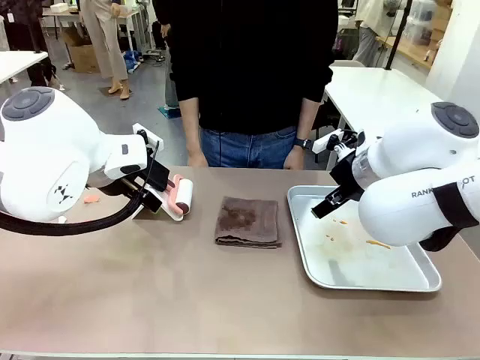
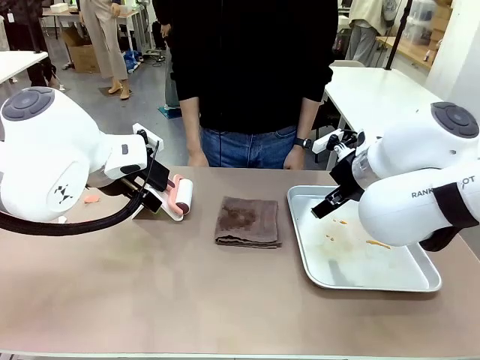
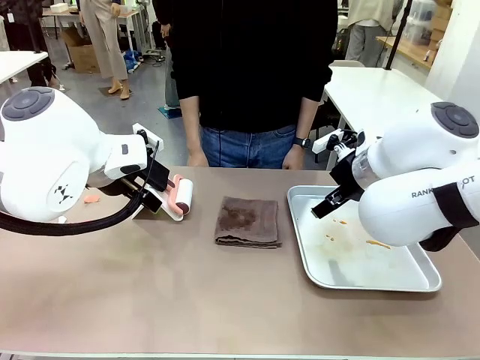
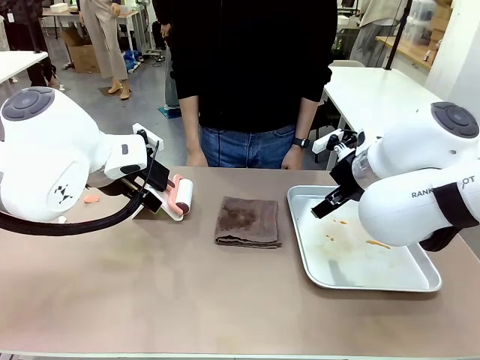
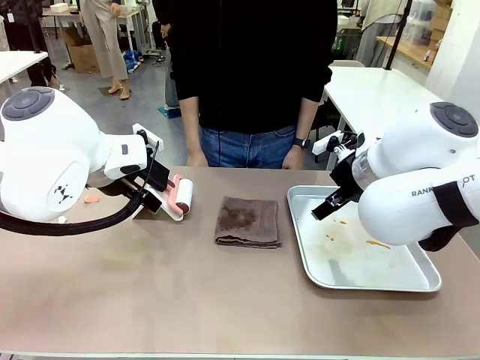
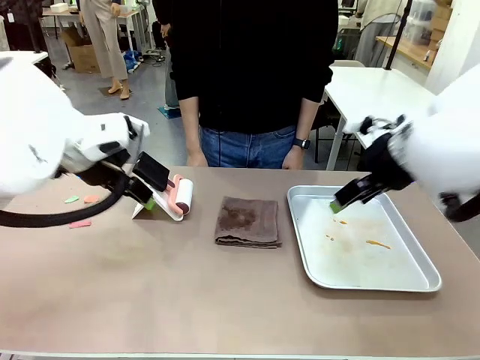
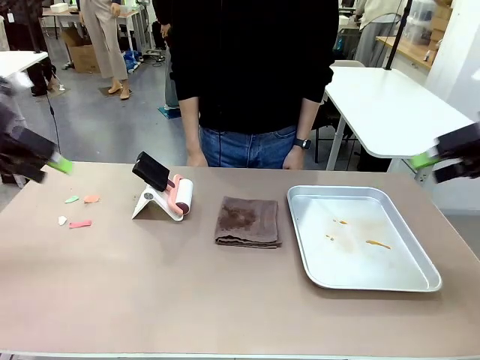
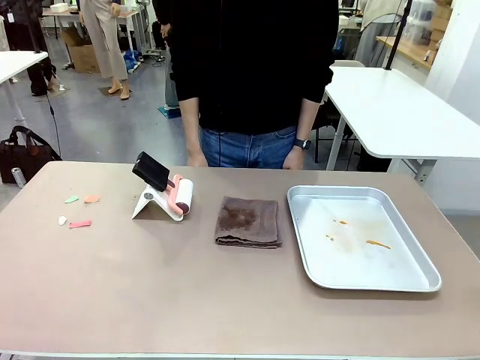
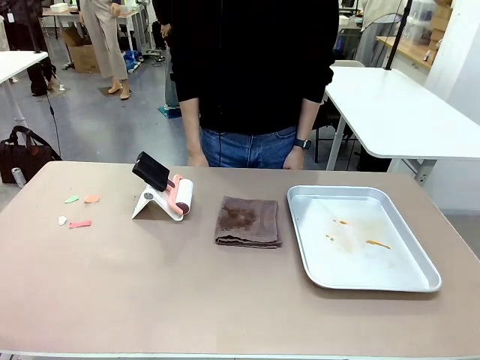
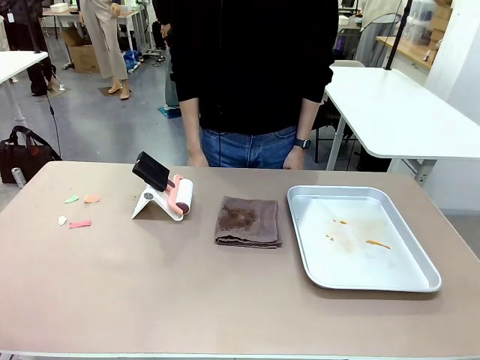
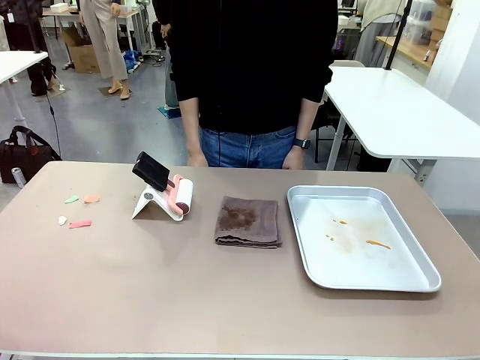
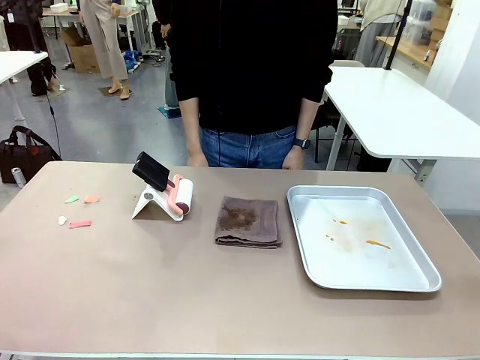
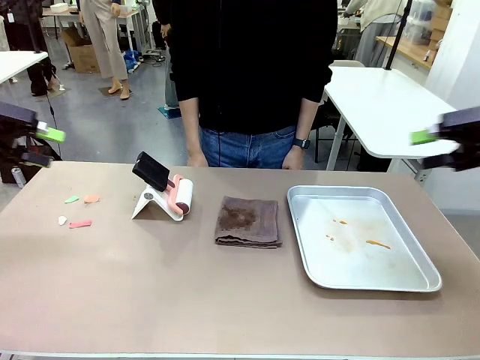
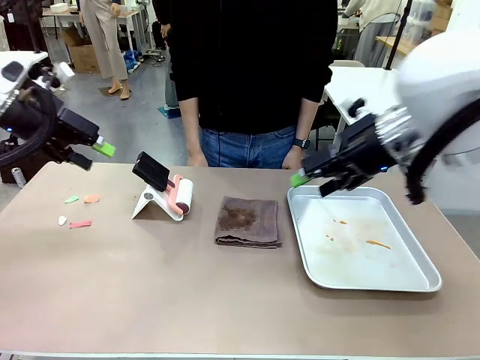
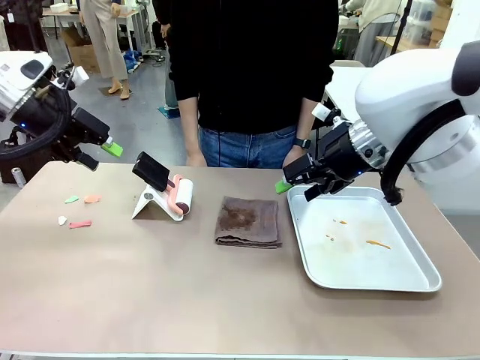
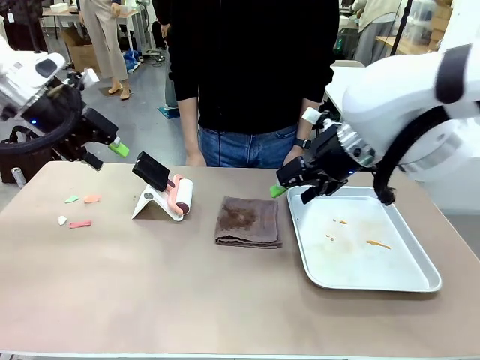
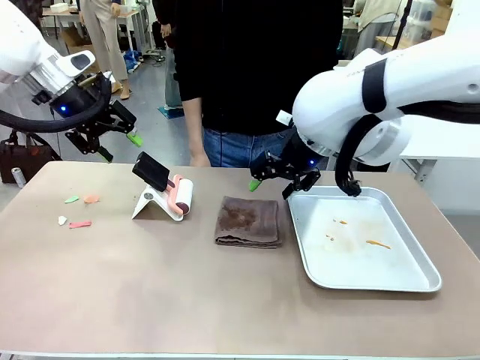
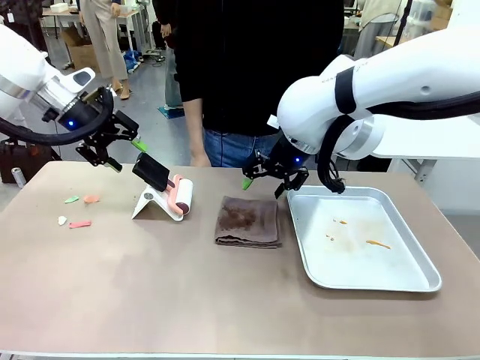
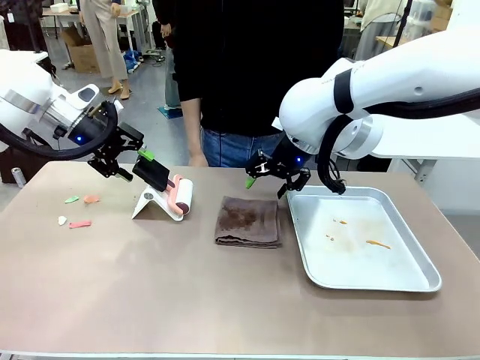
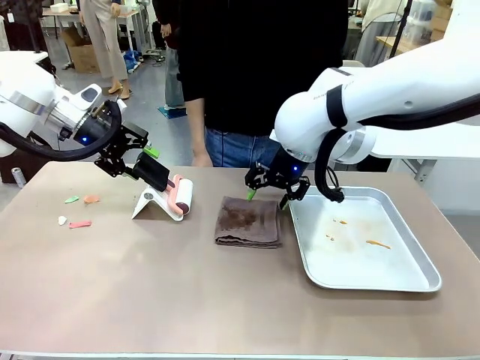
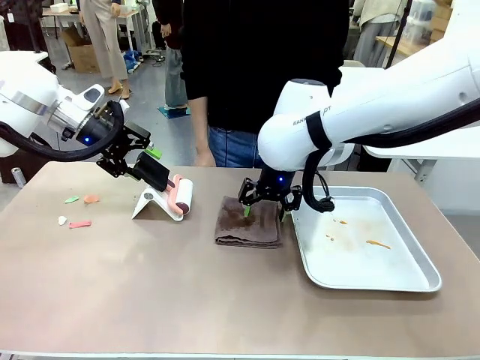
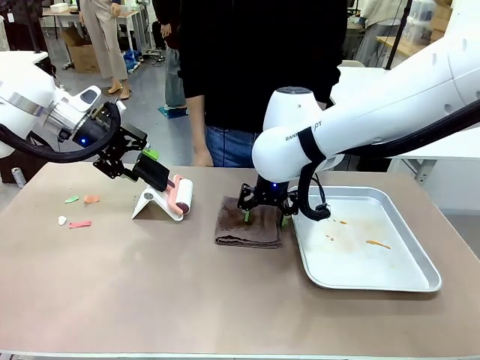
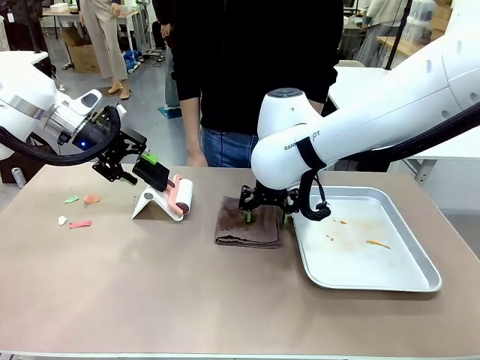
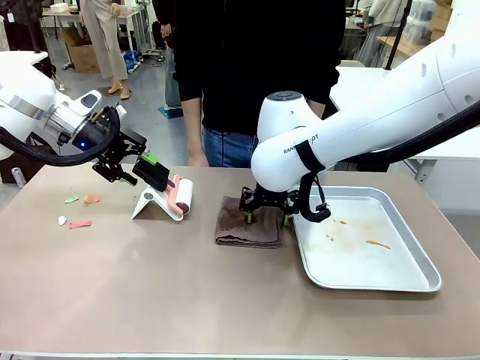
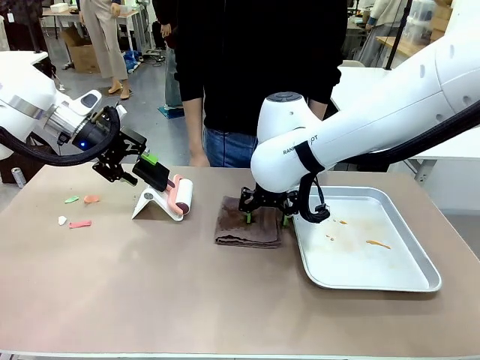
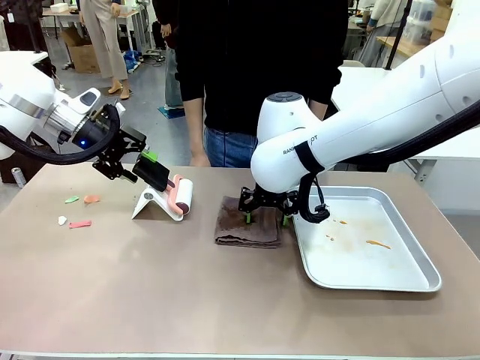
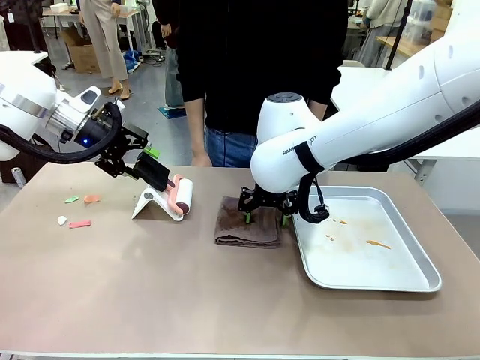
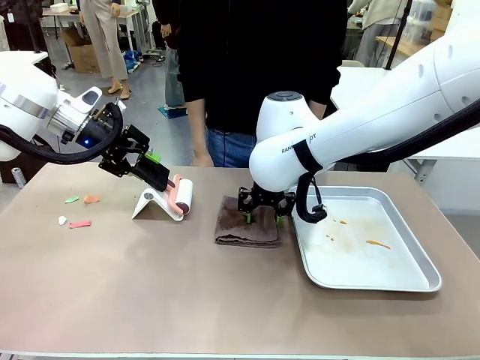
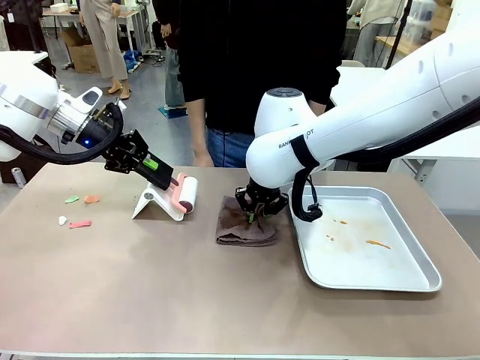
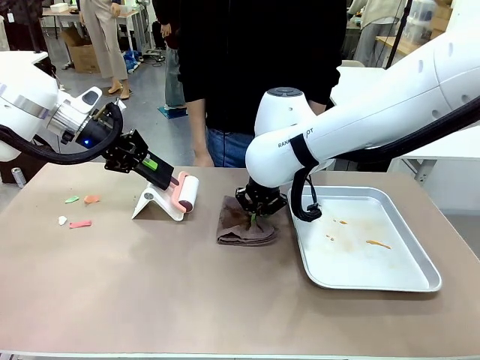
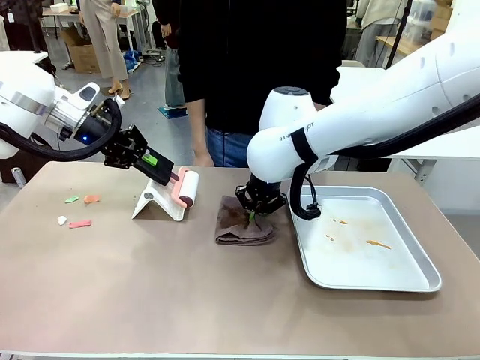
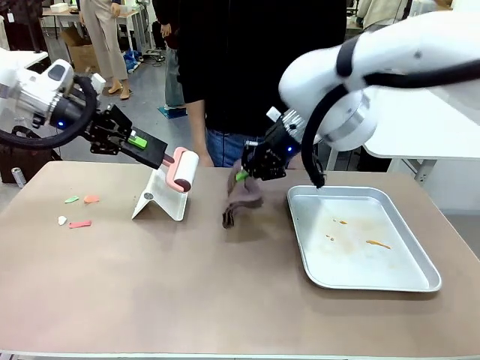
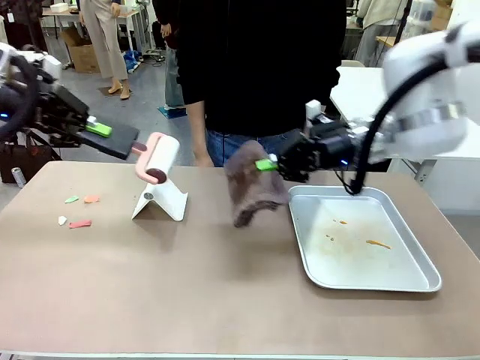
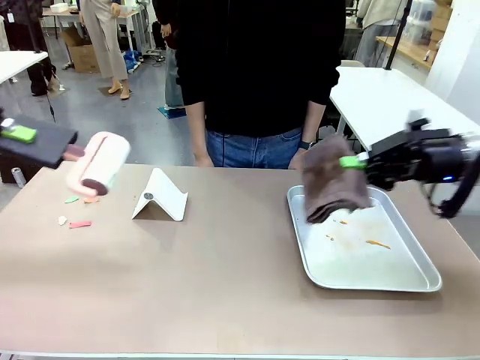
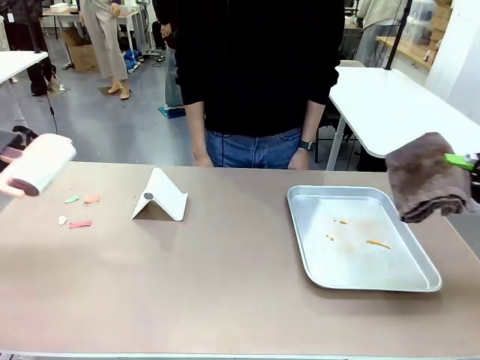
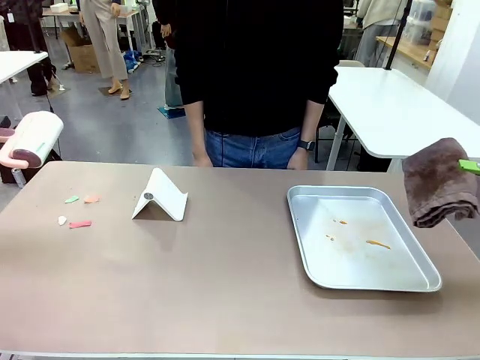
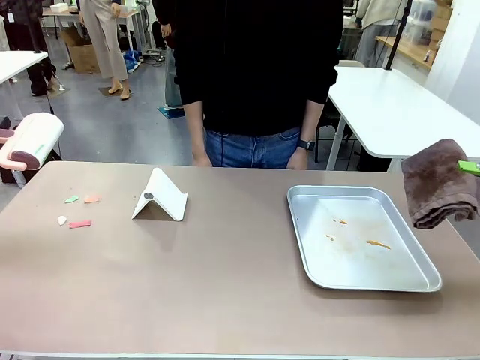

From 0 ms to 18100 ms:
Task: Clean the surface of the table.
Robot: Hold the Lint Roller with your left hand and the towel with your right hand.

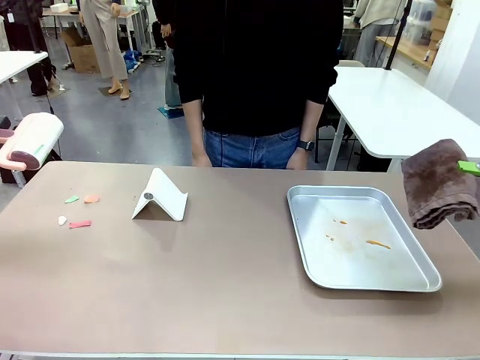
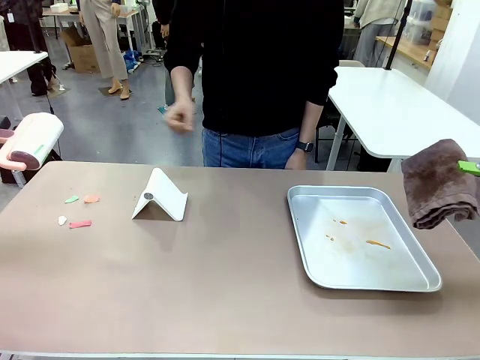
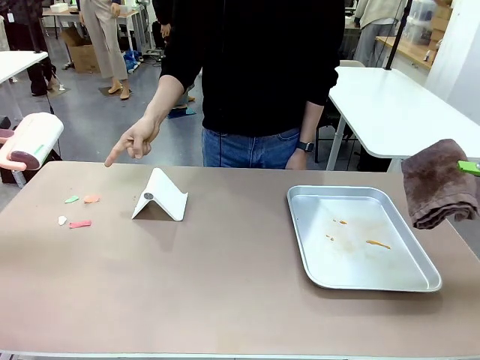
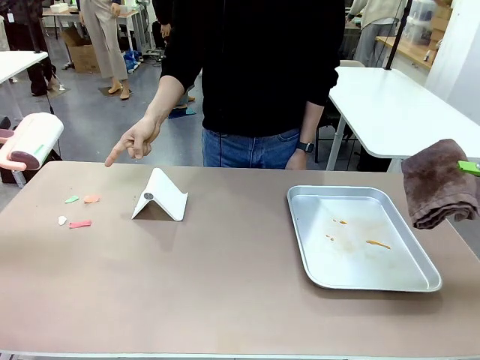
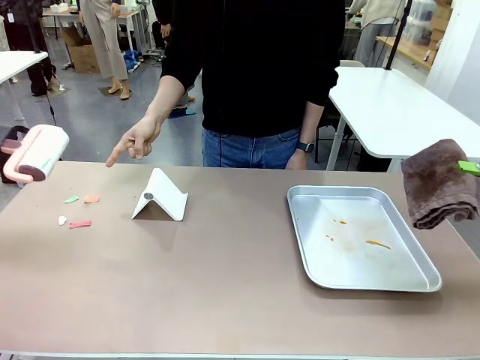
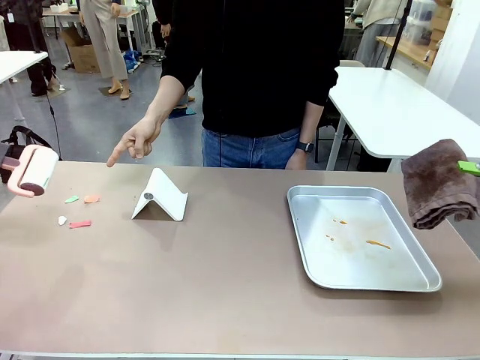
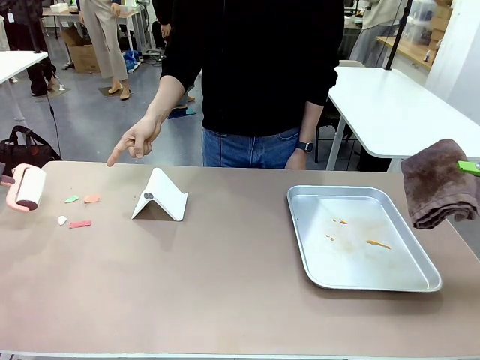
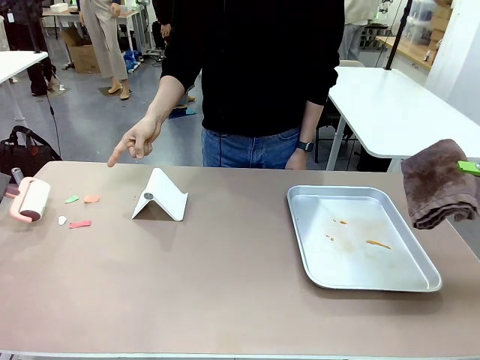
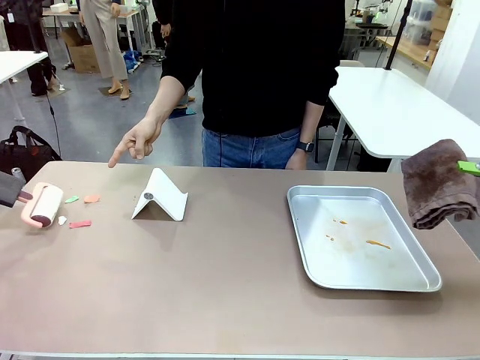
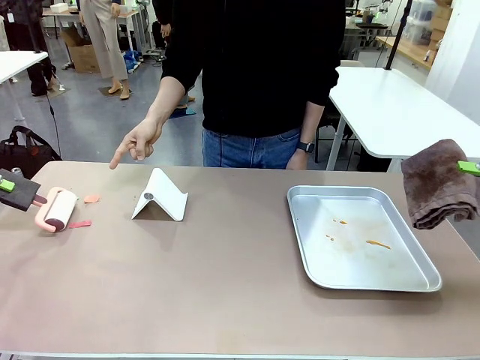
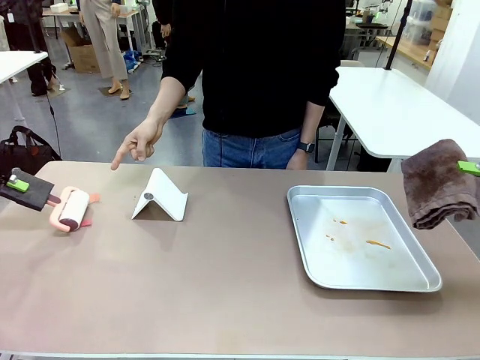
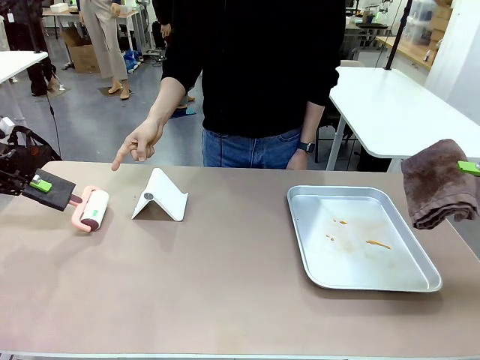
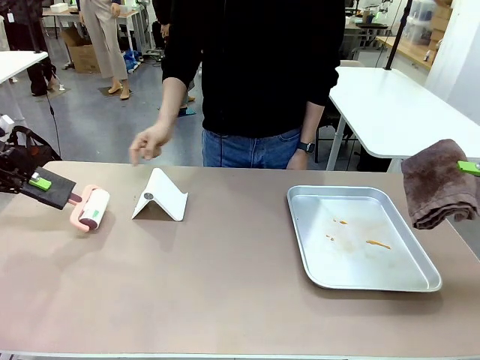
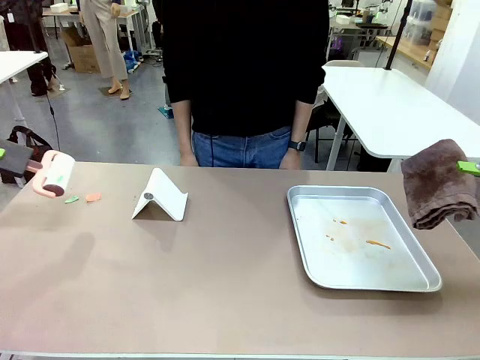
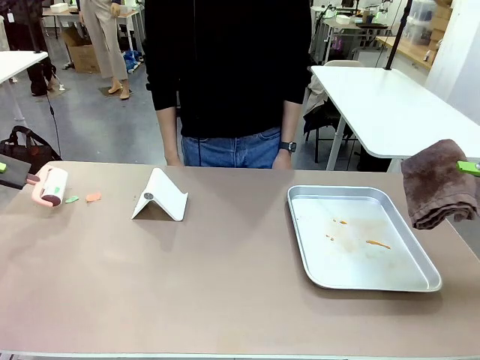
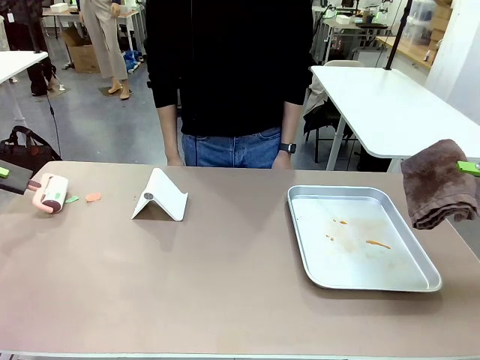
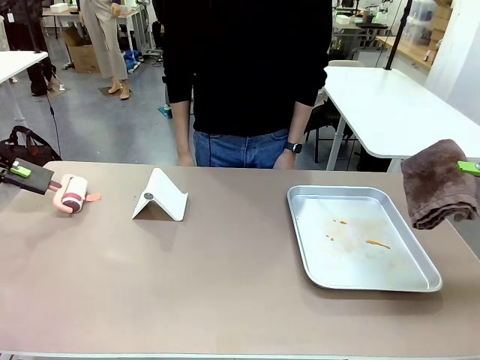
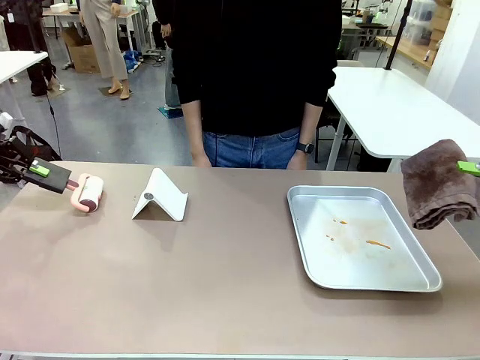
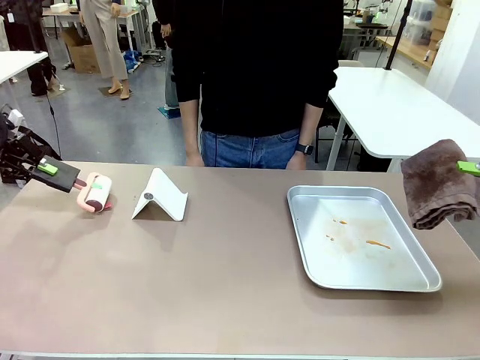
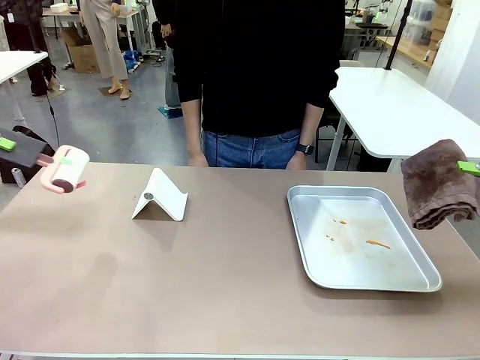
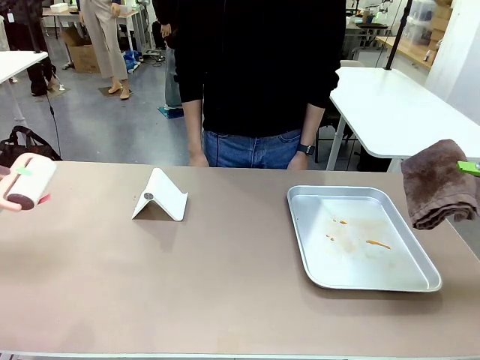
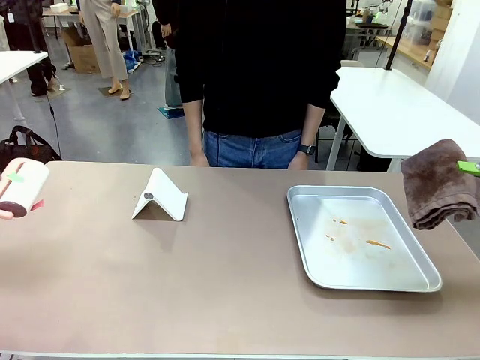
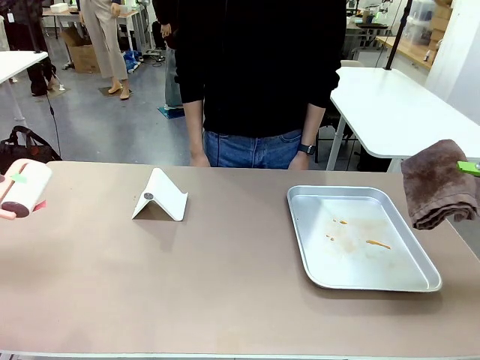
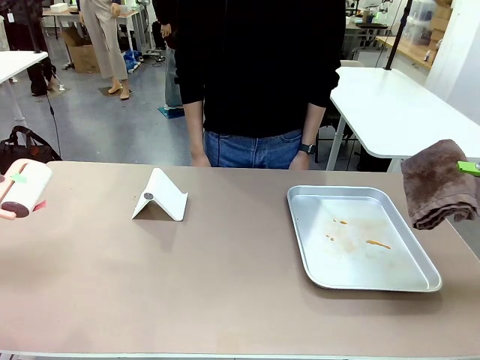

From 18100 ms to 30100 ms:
Robot: If a person points to the right, clean the right side of the table with your right hand, and if they point to the left, clean the left side with your left hand.
